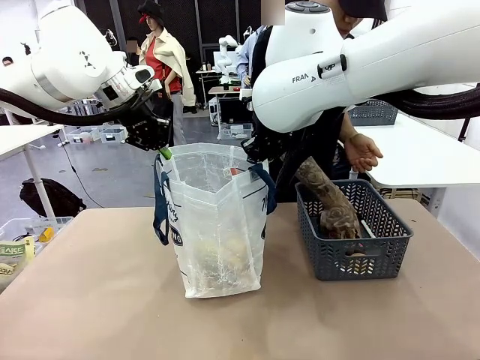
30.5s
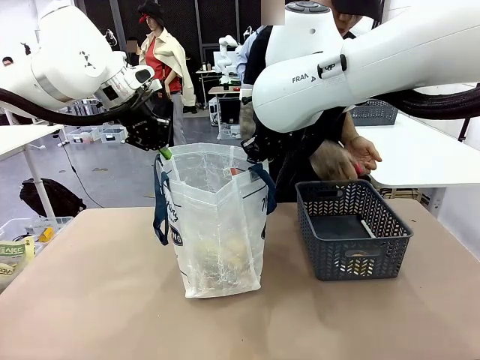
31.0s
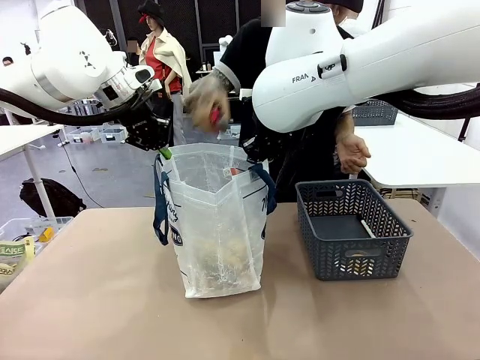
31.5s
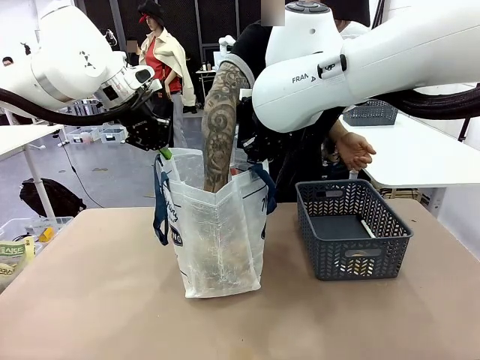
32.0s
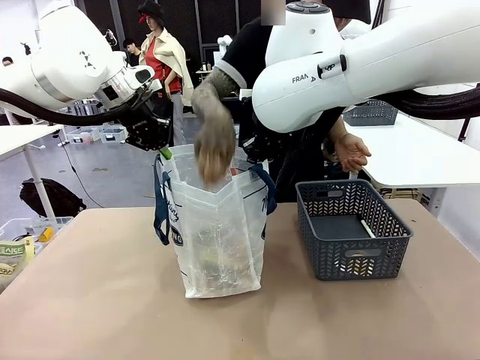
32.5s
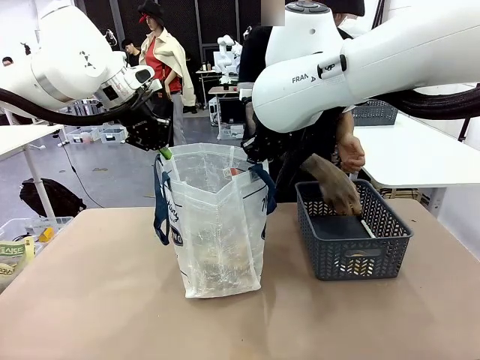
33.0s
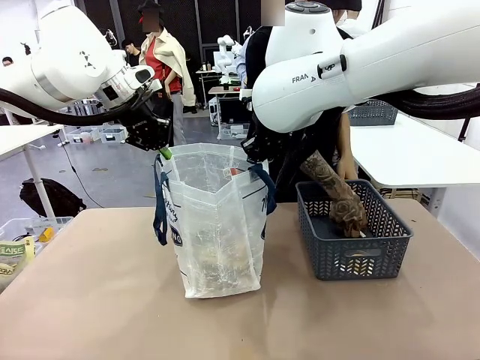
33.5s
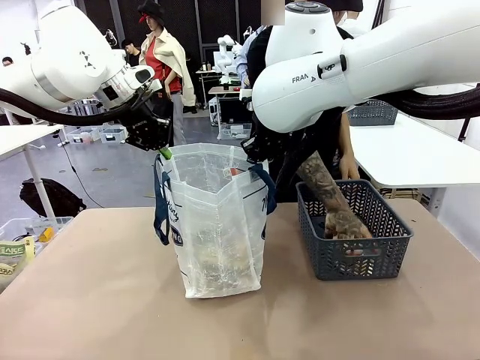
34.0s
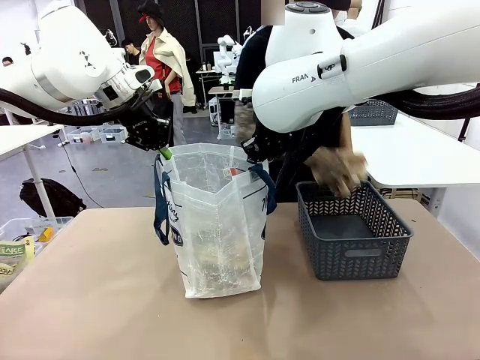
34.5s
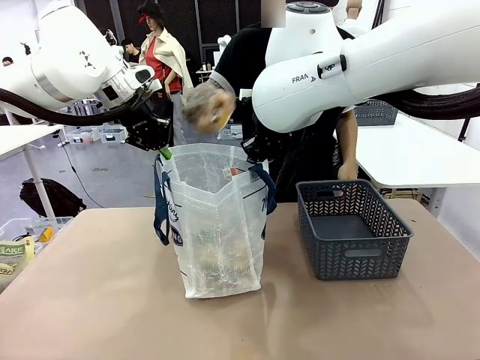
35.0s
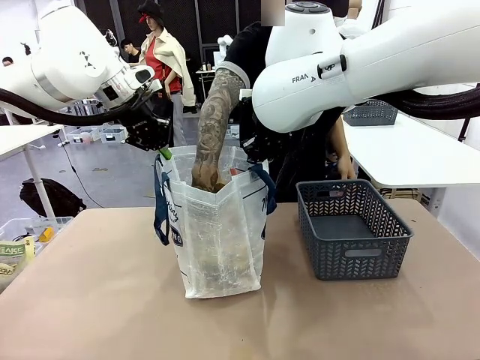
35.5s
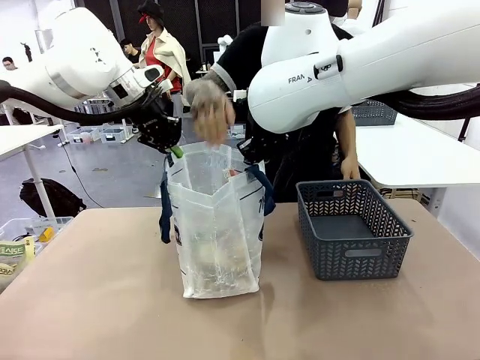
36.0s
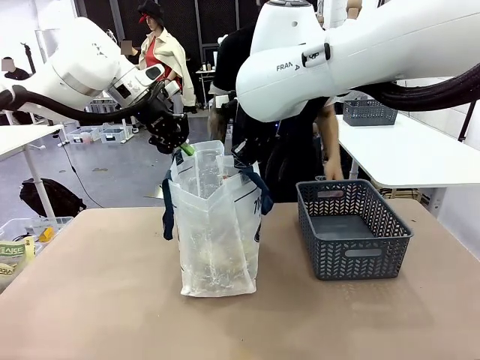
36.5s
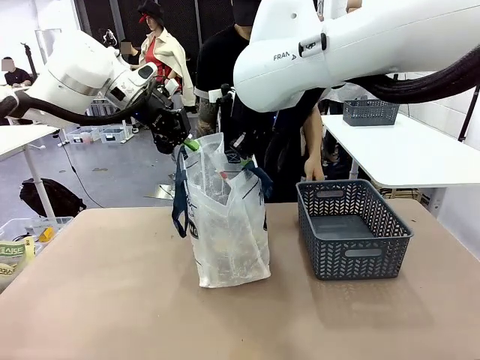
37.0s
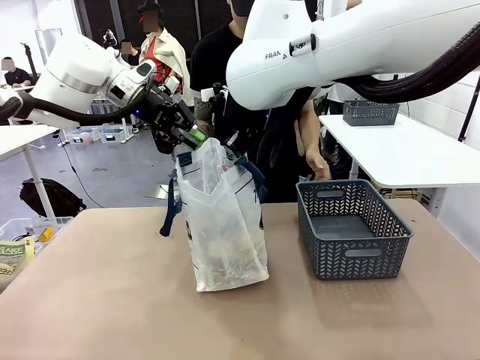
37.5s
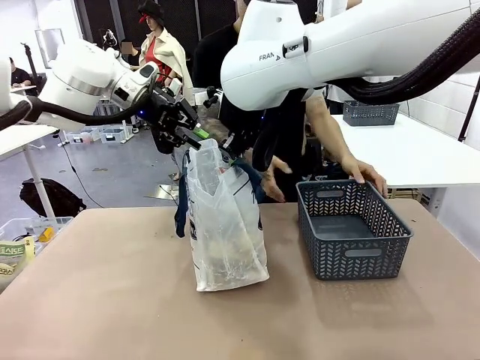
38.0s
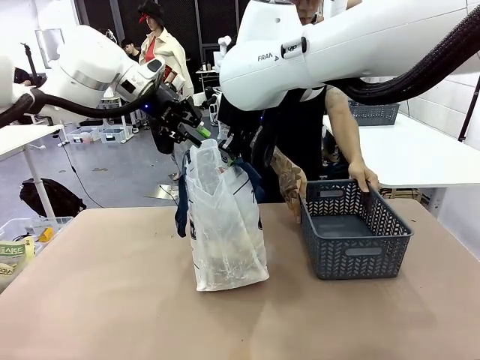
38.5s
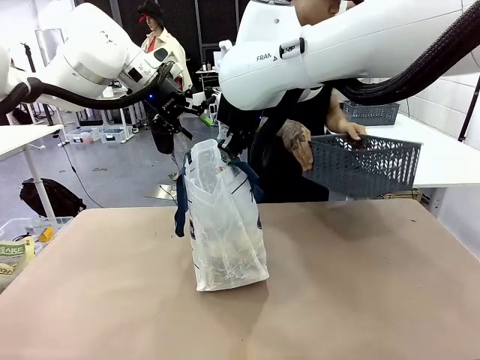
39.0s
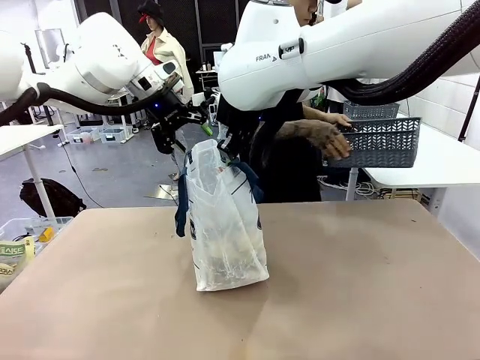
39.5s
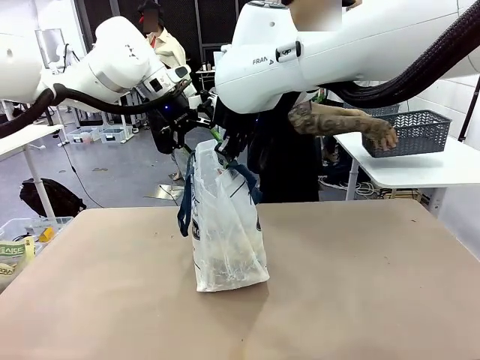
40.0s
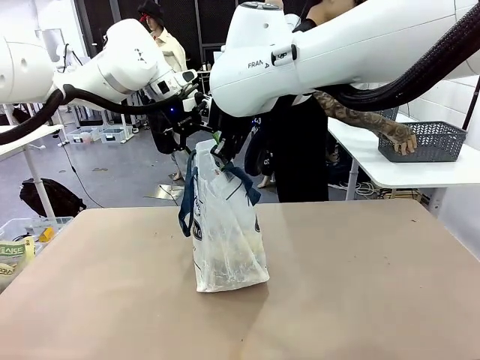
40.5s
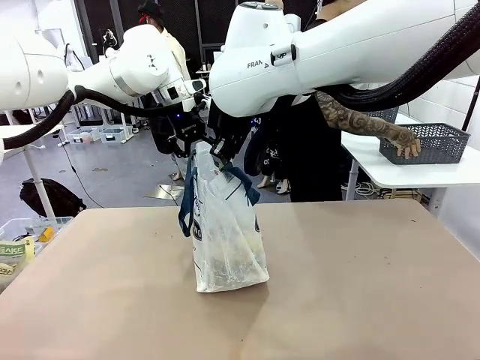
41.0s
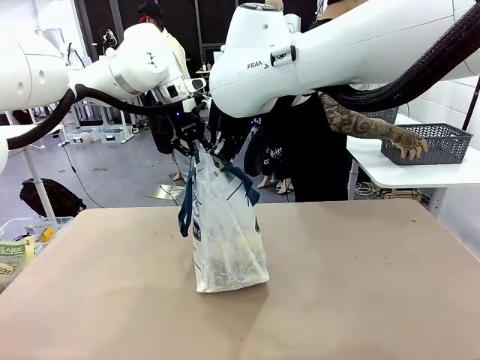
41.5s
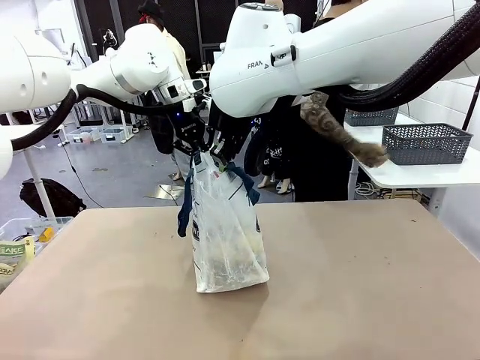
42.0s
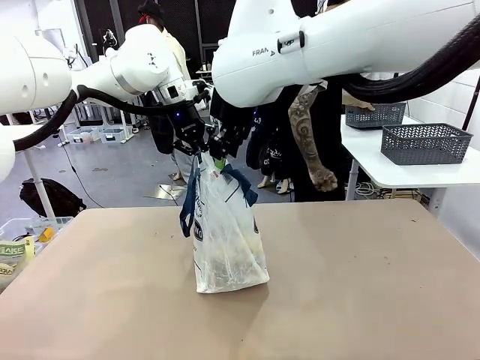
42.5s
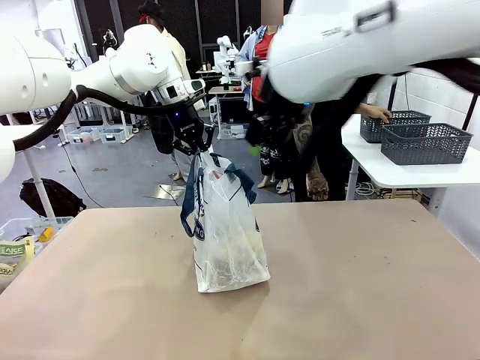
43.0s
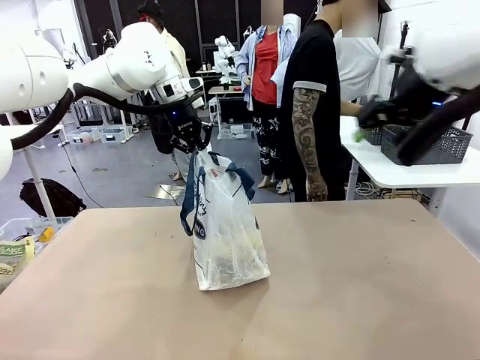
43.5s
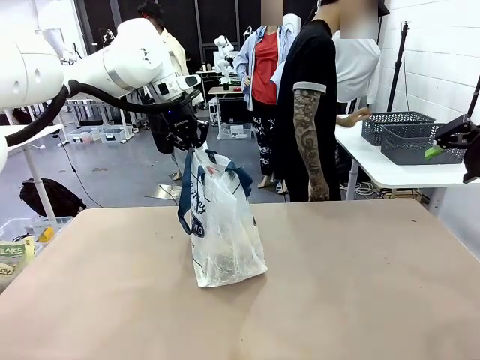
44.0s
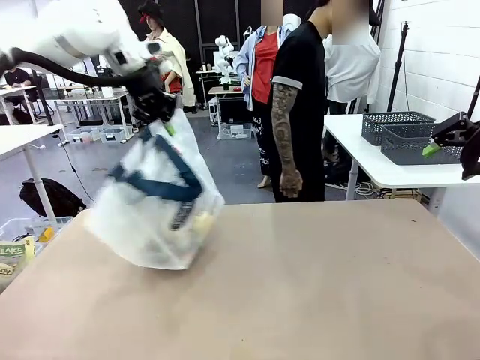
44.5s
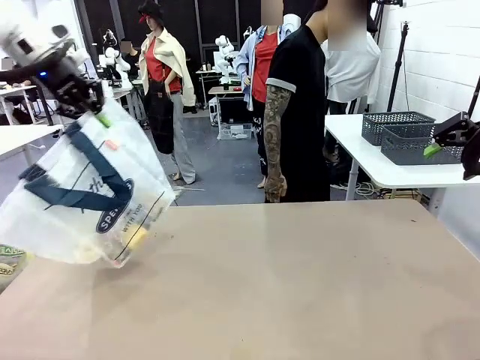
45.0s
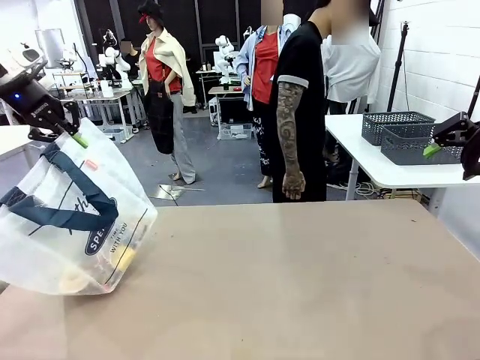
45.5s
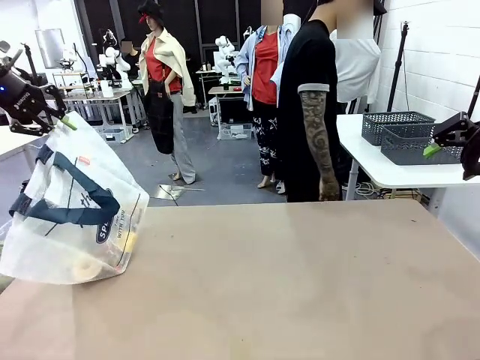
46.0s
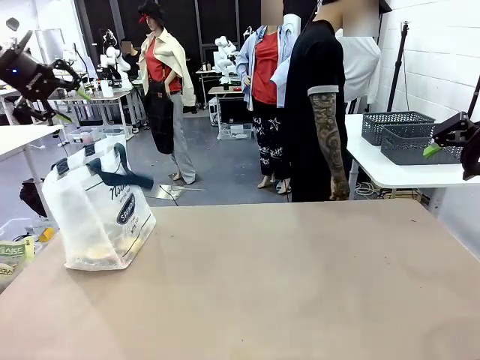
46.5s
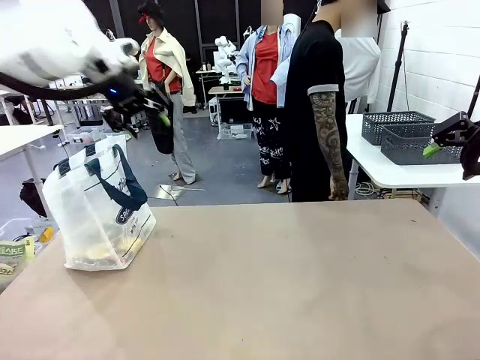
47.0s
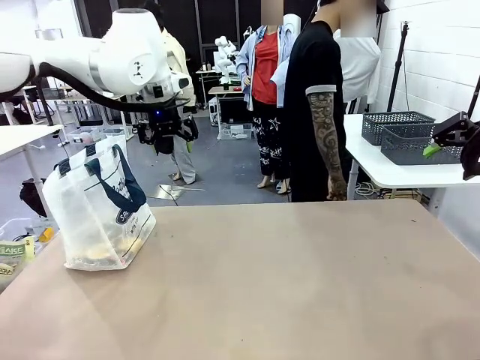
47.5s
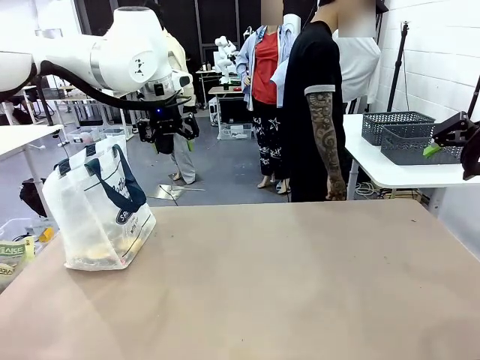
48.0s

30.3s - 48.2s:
Task: Transfer purchased items from the store into the shopping bag.
Robot: Move the Reusable shopping bag to the right side of the table.
Person: Move the basket on the left to the middle of the person's table.

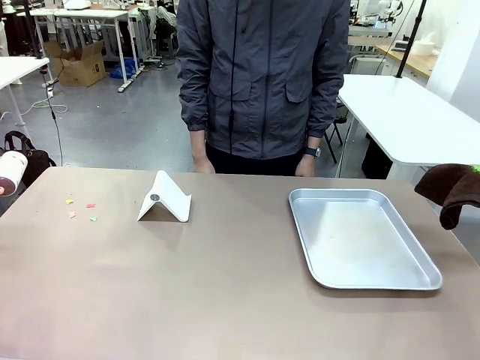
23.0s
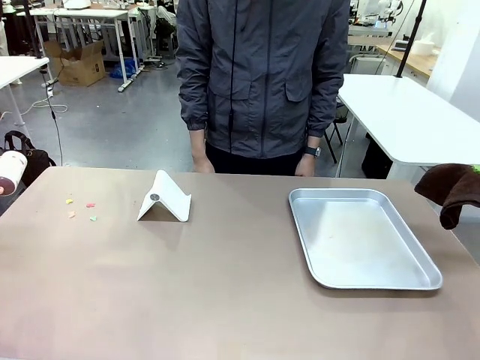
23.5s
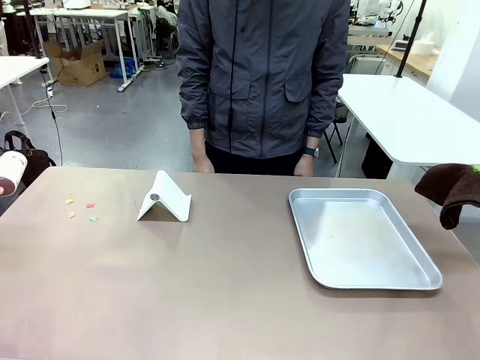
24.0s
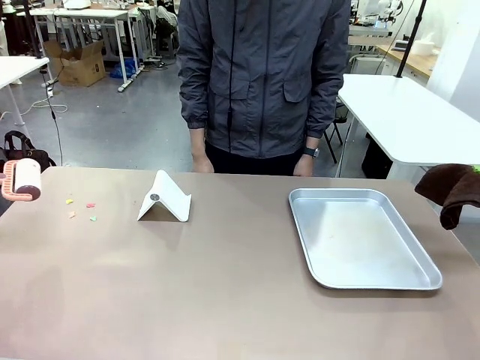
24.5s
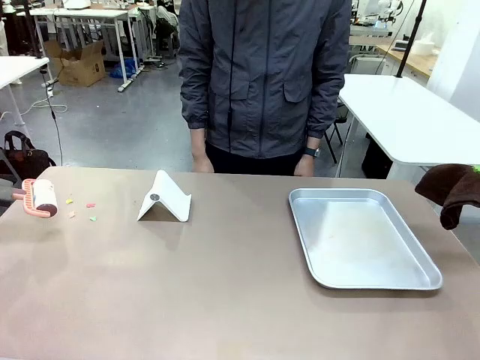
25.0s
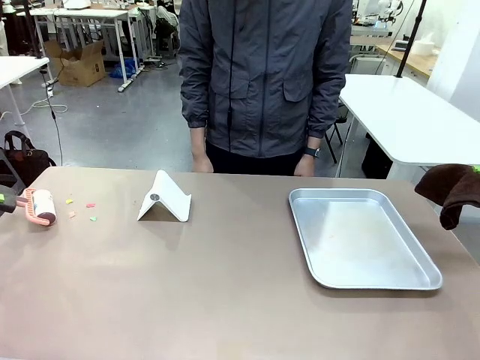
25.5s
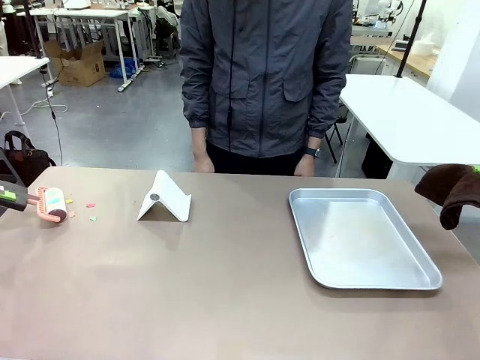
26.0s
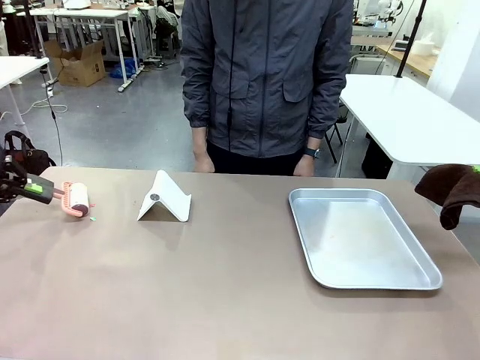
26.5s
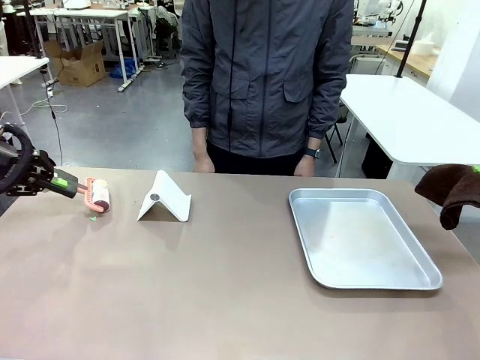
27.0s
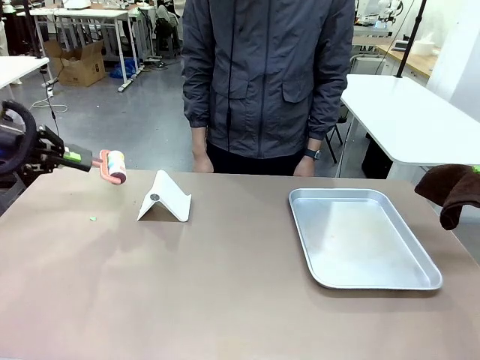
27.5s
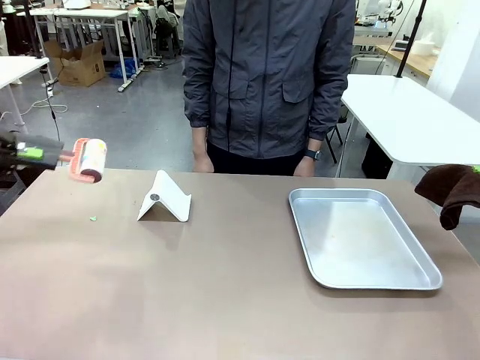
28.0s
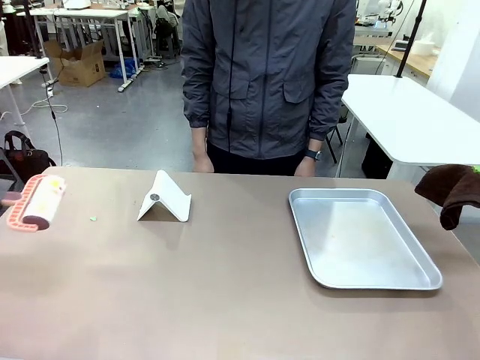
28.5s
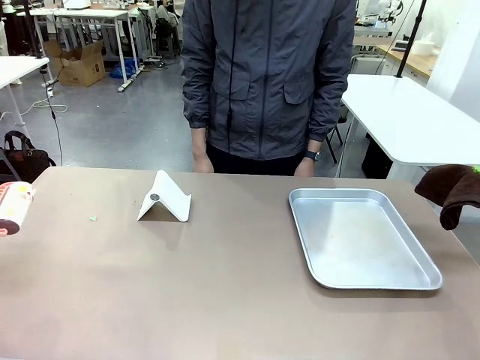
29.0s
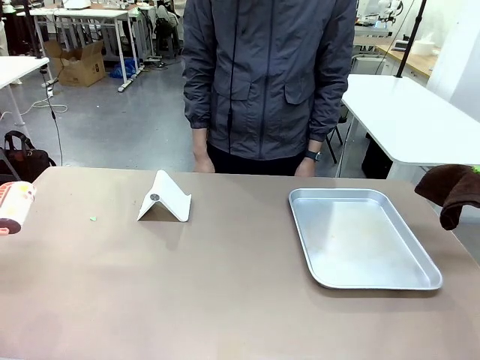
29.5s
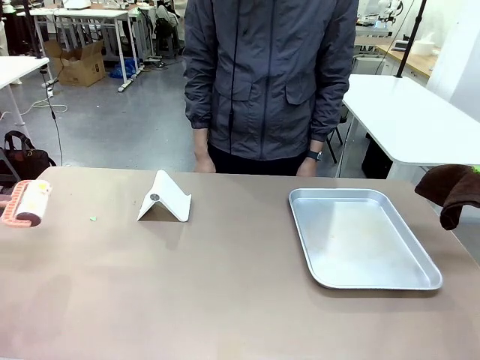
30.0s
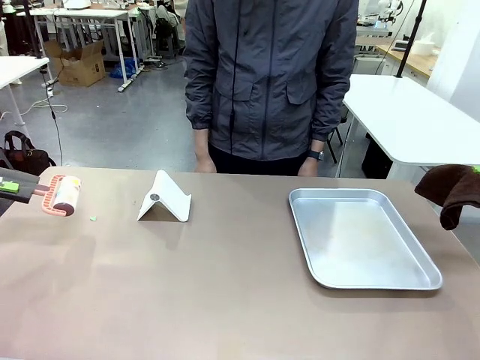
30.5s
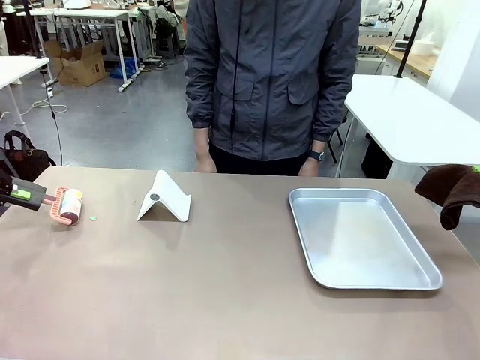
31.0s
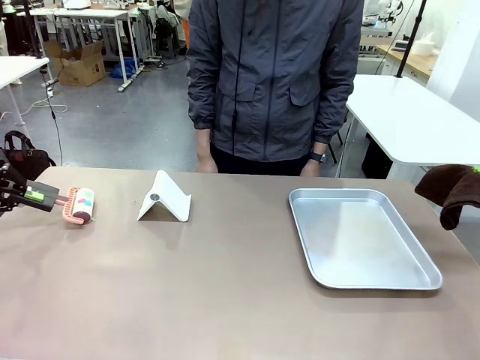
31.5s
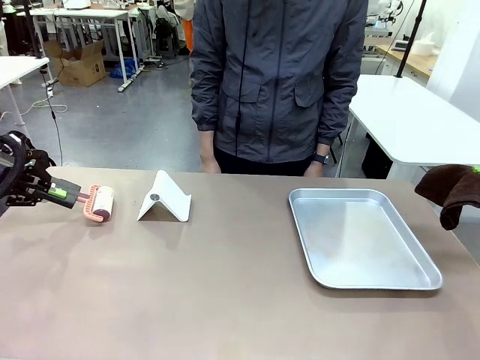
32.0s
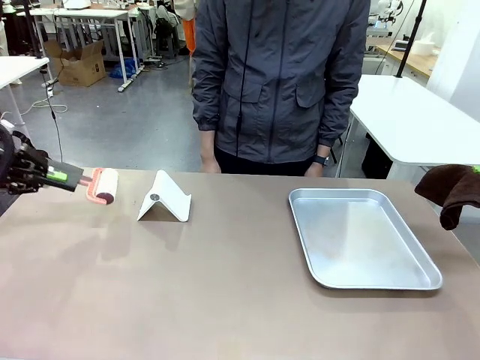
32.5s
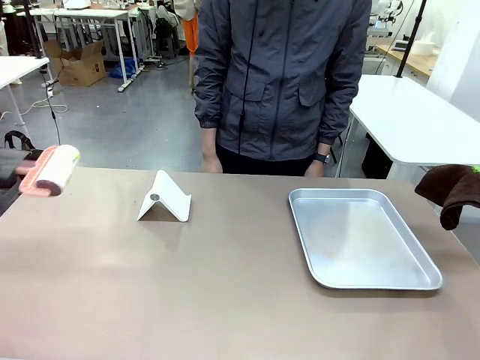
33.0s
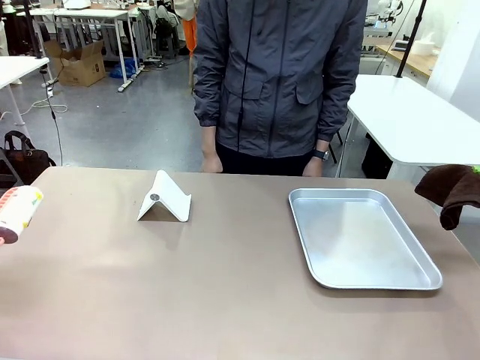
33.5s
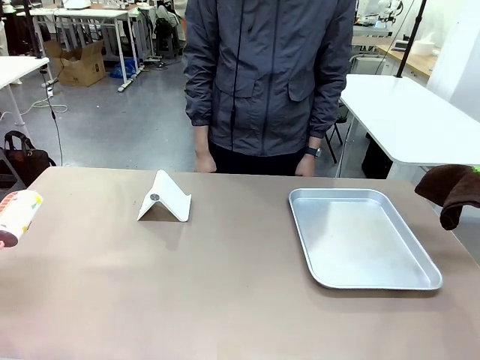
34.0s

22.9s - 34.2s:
Task: Clean the surface of the table.
Robot: Clean the area not pointed to by the person.
